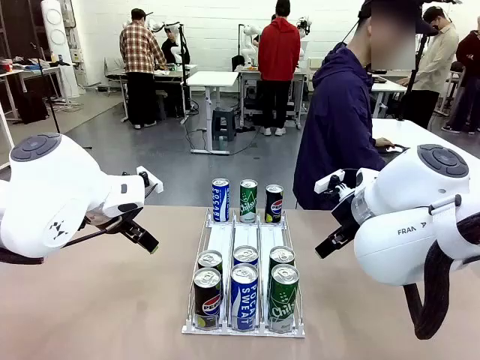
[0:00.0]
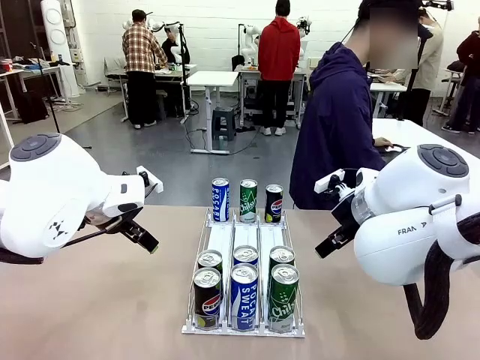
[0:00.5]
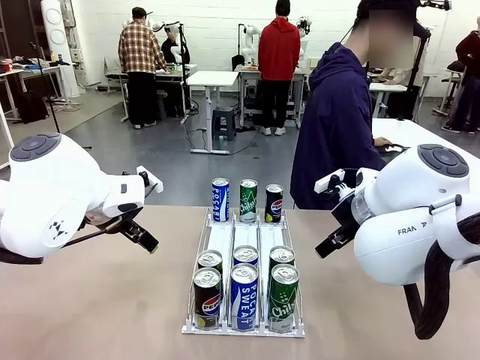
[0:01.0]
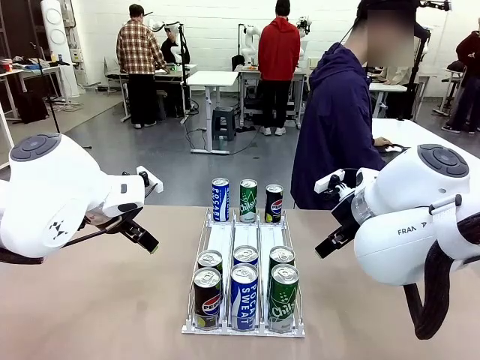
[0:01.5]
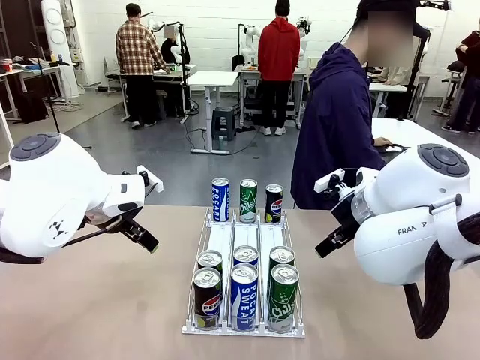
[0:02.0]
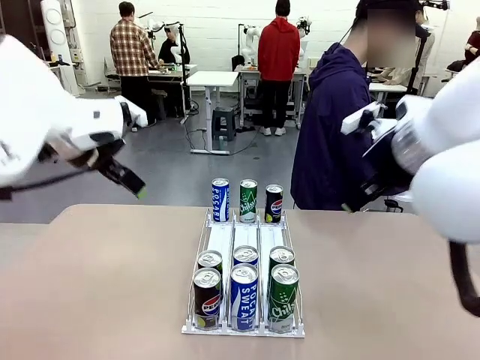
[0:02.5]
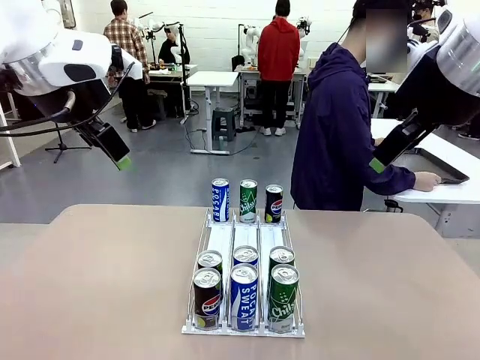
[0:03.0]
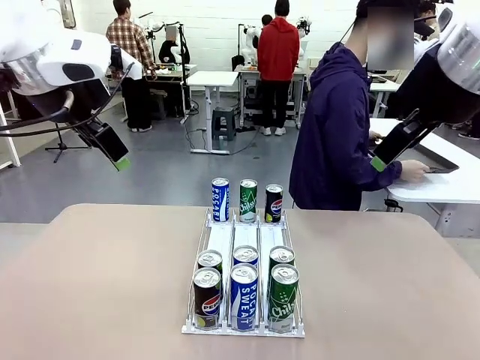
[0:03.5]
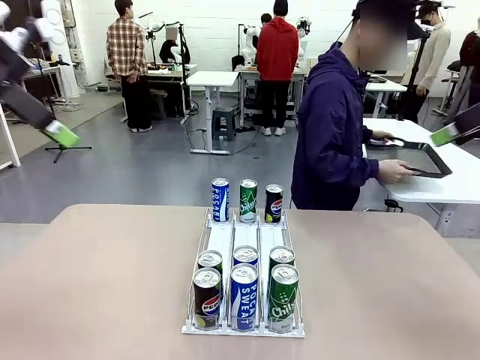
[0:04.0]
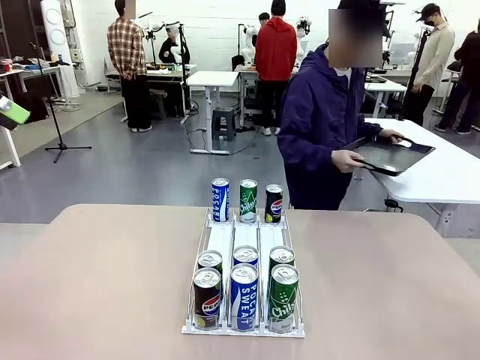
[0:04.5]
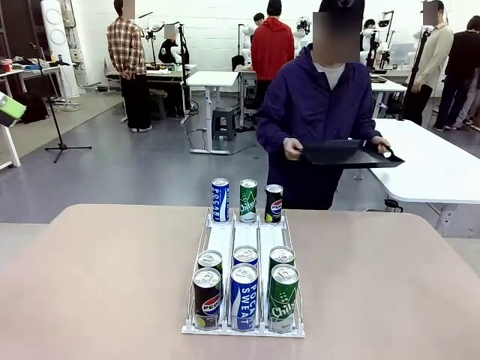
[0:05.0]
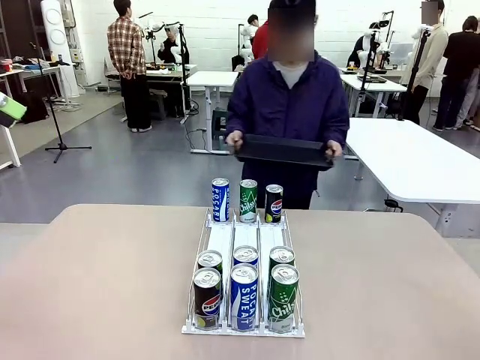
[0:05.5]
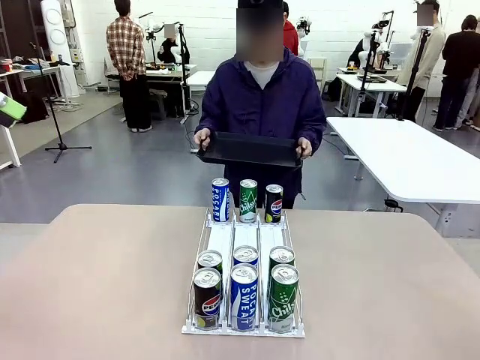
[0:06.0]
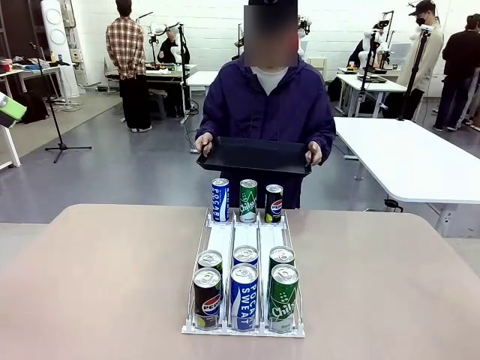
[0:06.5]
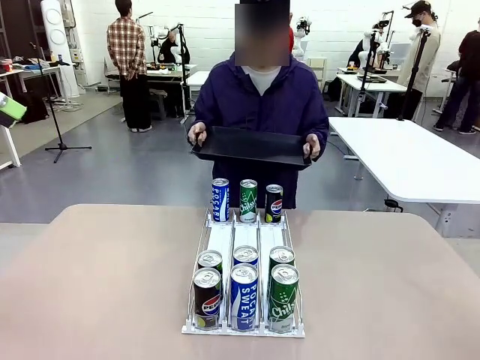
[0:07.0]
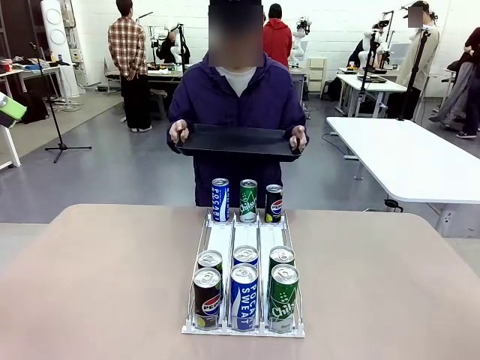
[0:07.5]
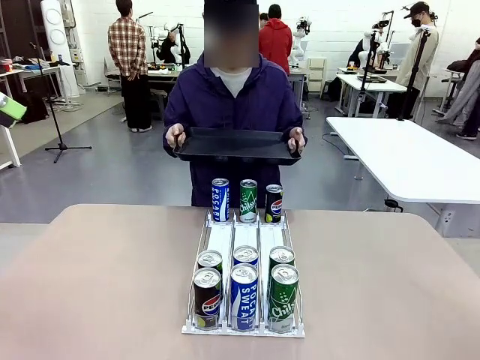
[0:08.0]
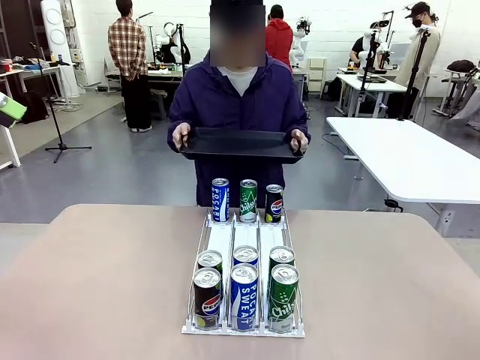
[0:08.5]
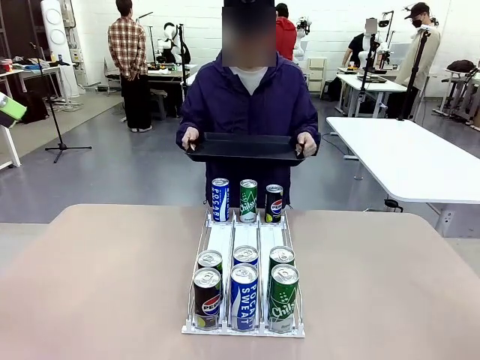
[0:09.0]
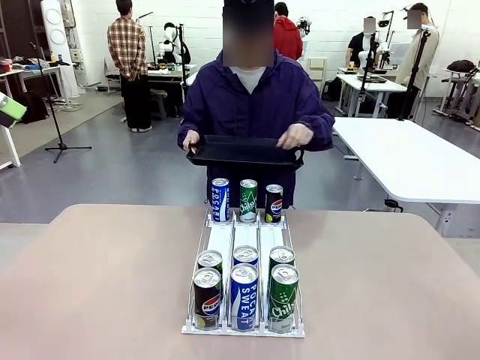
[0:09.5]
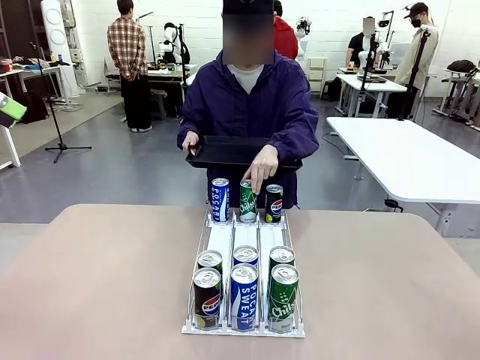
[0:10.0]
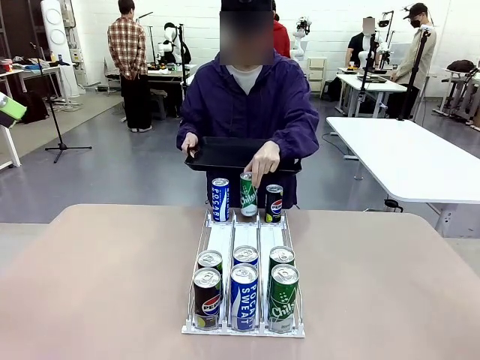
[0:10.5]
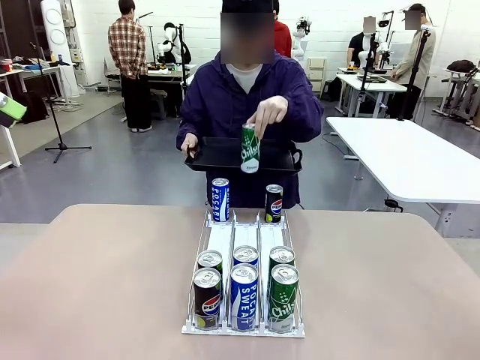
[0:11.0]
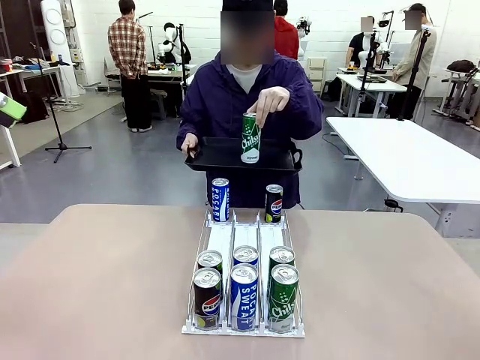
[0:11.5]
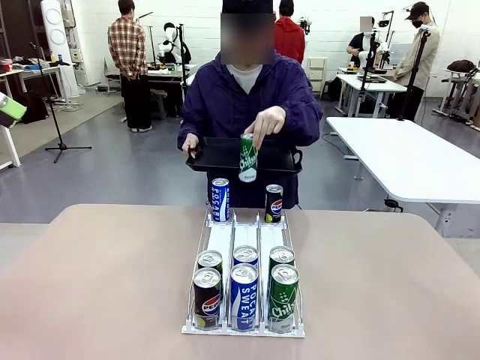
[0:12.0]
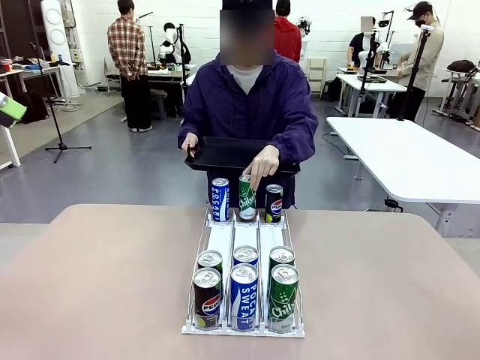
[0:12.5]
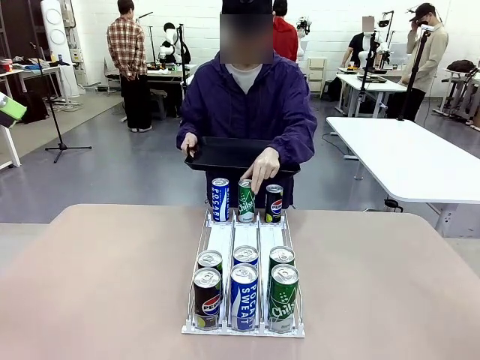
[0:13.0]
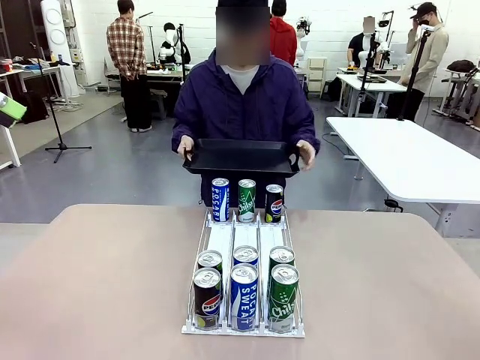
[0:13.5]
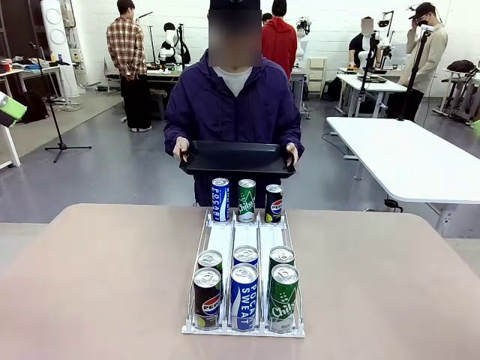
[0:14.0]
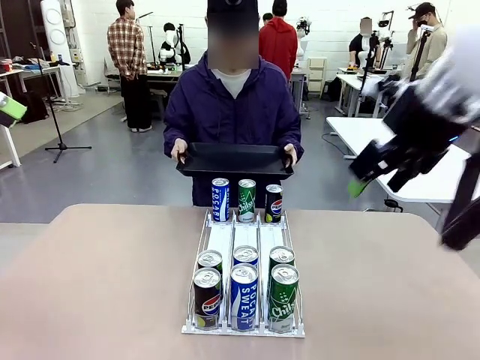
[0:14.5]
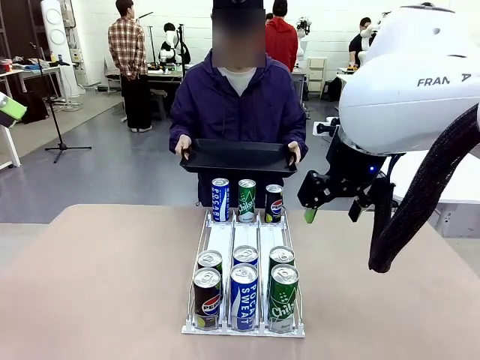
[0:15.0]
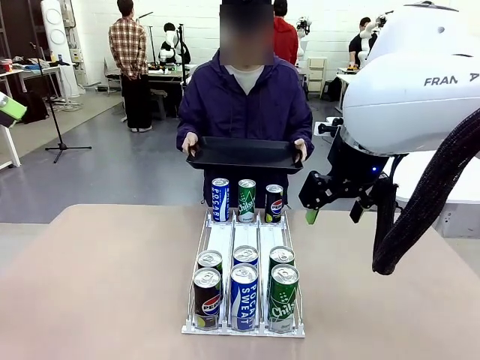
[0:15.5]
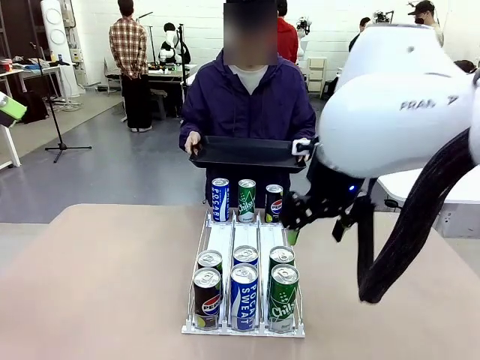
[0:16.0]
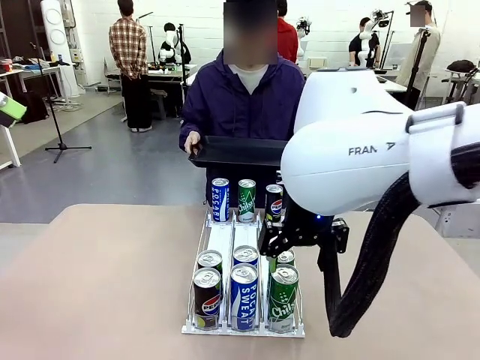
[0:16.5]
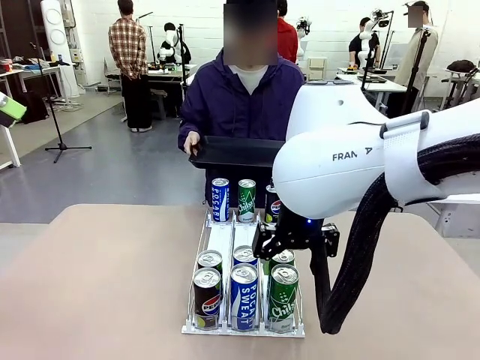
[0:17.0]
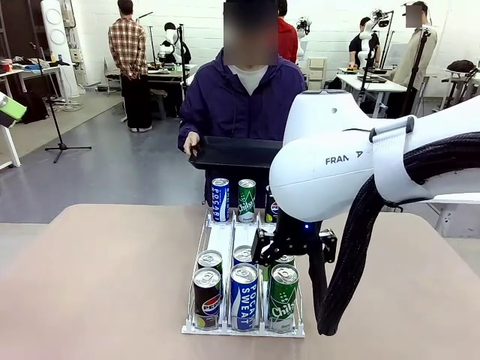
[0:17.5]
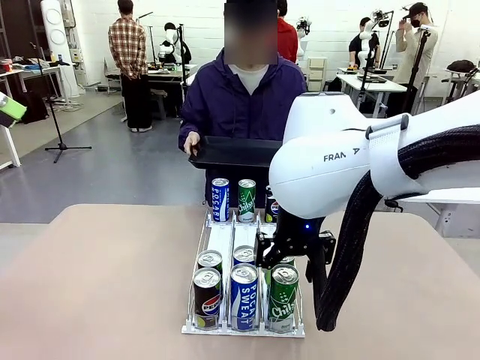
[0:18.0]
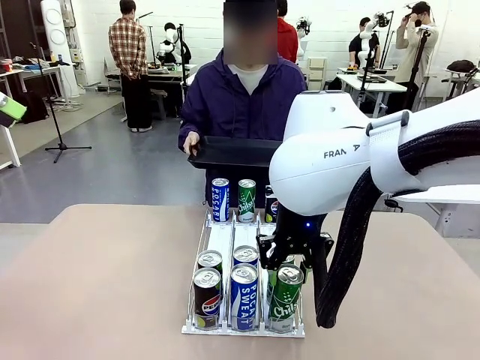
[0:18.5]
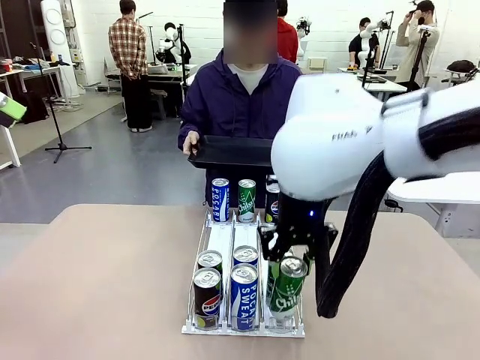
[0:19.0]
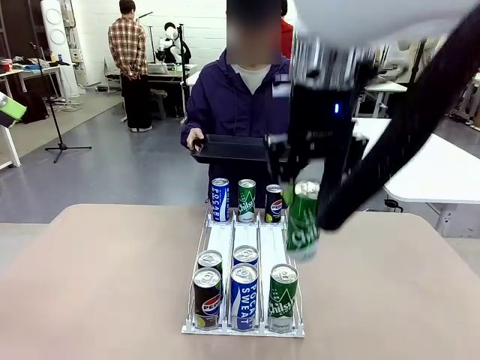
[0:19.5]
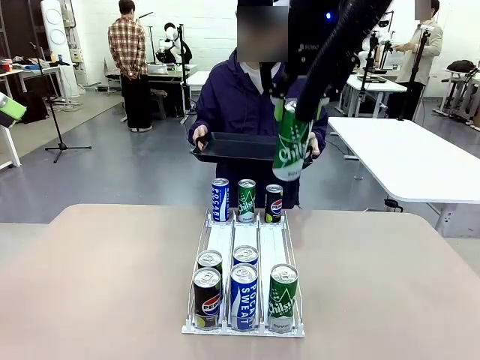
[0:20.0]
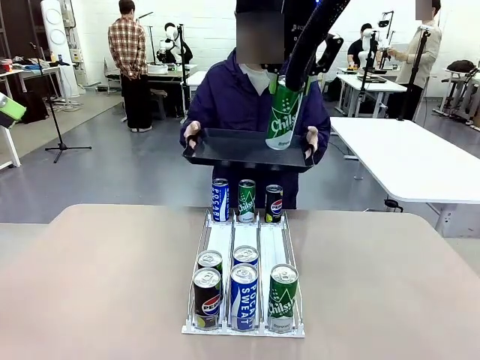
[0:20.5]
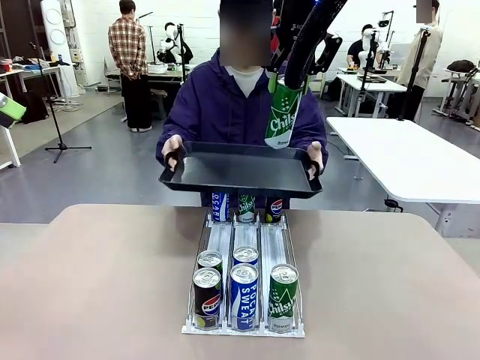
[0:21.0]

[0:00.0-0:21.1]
Task: Retrieve and hand over the desired beverage to the person.
Robot: Pick up a can of the same type that the person held from the Automatic Can Dispenser.
Person: Hold the tray and position yourself in front of the robot table. Pick up one can from the bottom area of the table and puts it back in its original place. Push the tray toward the robot.

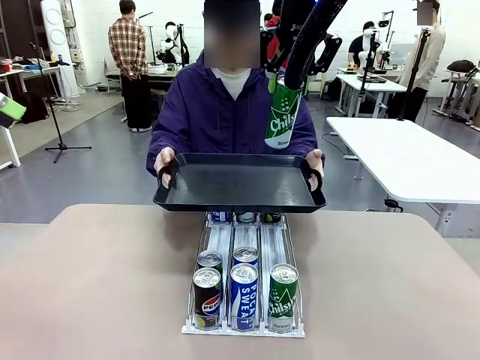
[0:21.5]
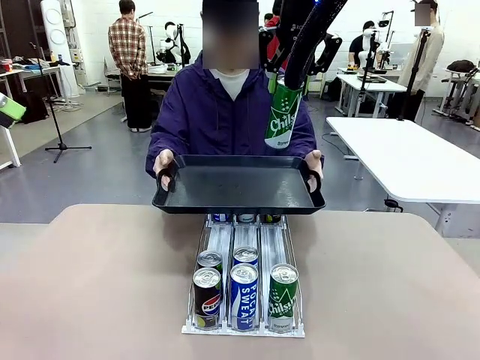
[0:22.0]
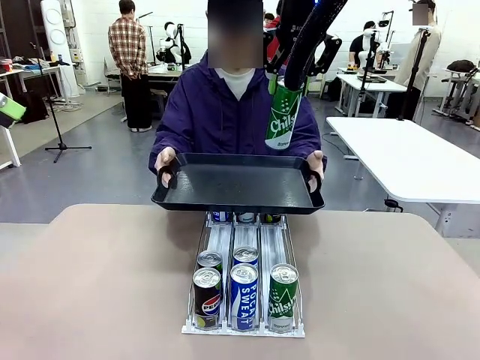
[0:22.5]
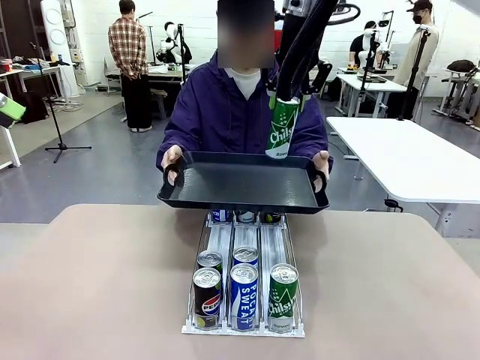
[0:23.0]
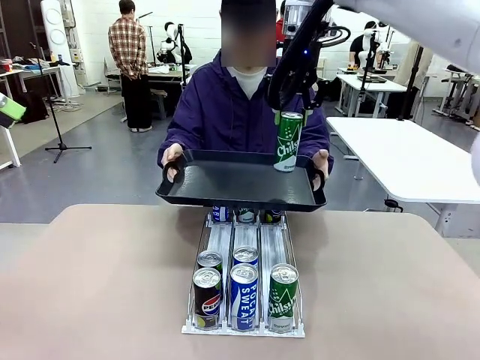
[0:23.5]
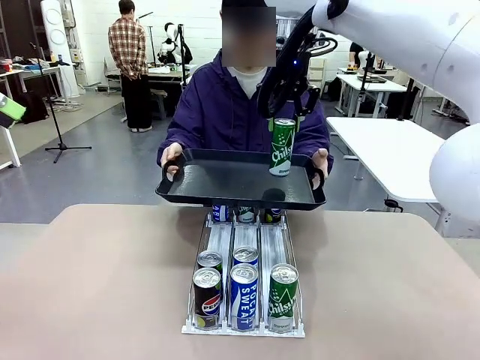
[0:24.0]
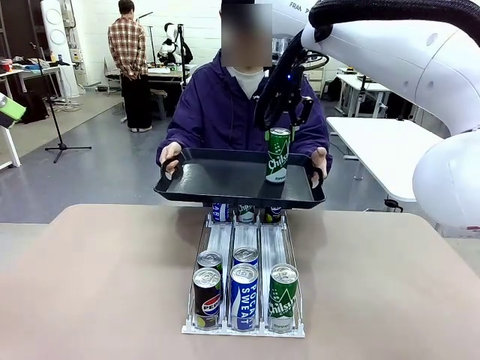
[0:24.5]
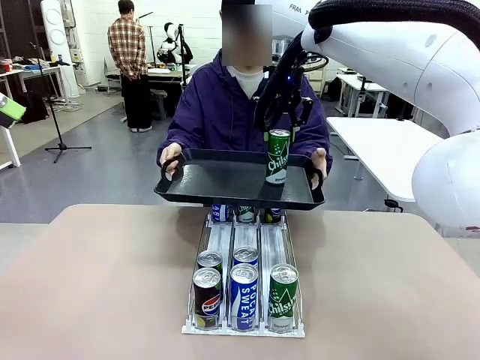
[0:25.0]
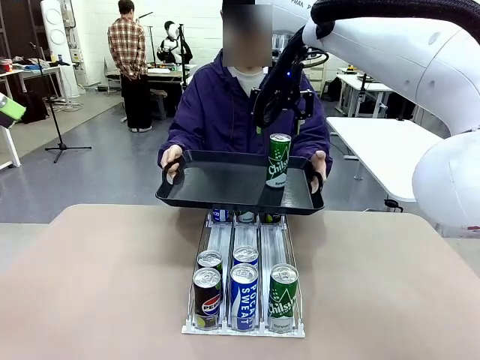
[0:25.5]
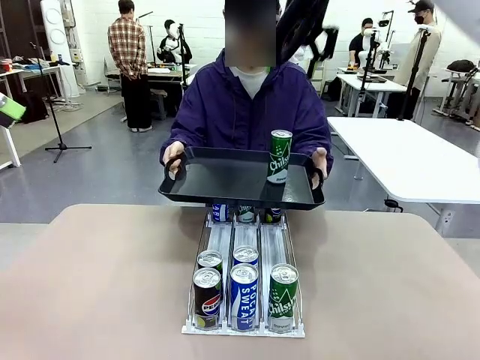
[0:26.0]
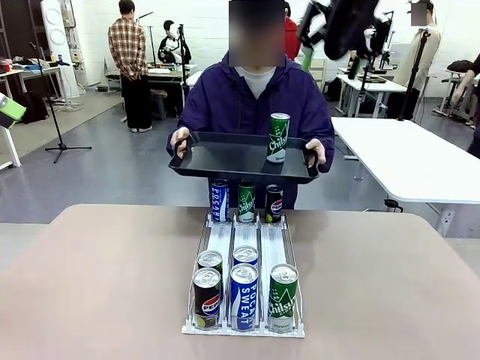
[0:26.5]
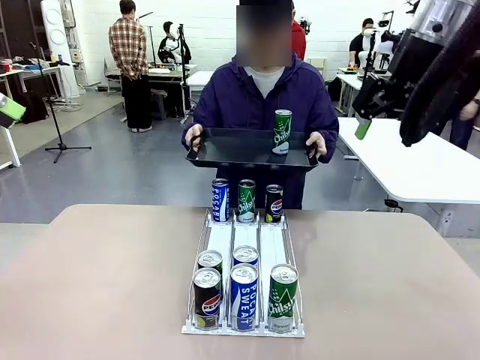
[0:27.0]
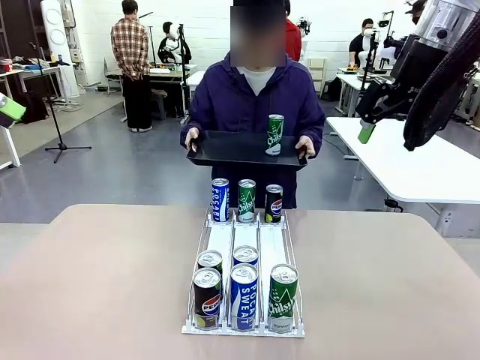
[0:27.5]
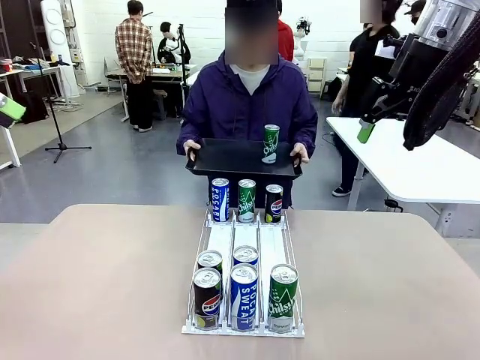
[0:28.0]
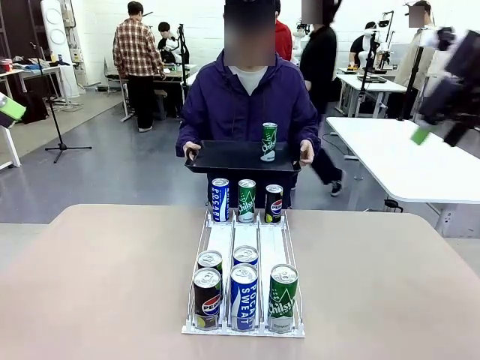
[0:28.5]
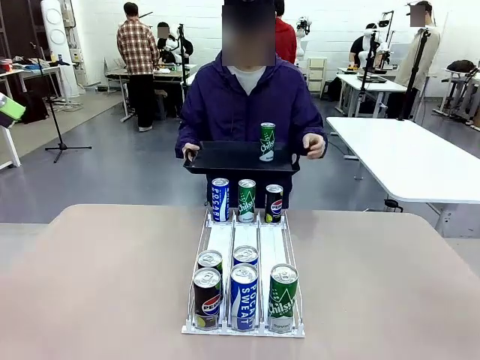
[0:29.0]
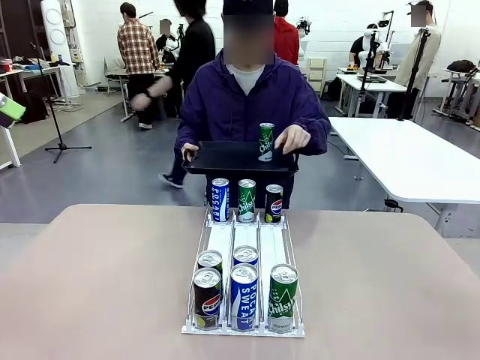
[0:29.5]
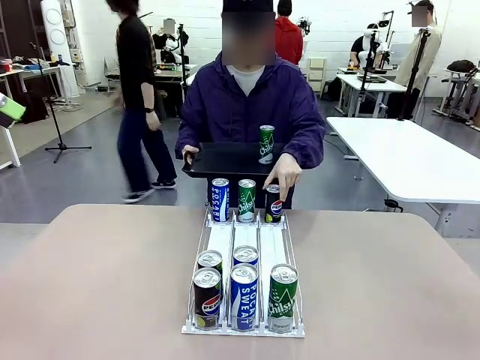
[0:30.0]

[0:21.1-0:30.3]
Robot: Place the picked can on the Handle tray extended by the person.
Person: Pull the tray back, then pick up another can from the bottom area of the table and puts it back in its original place.
